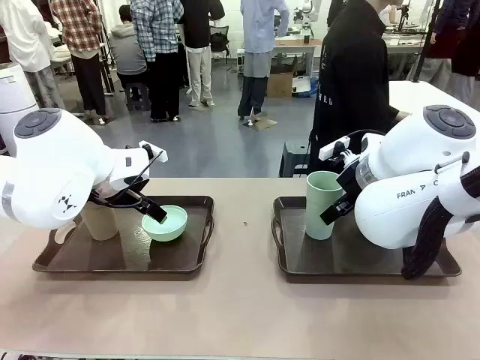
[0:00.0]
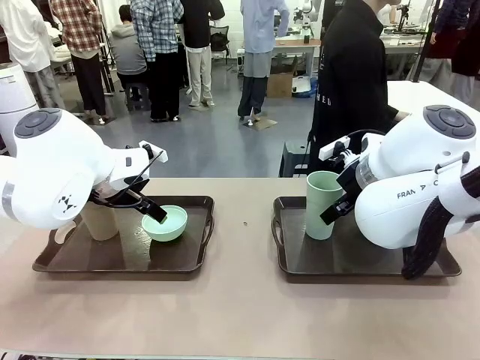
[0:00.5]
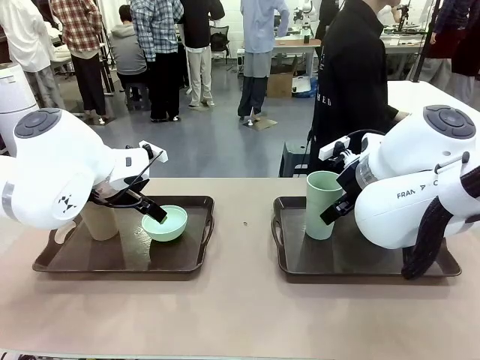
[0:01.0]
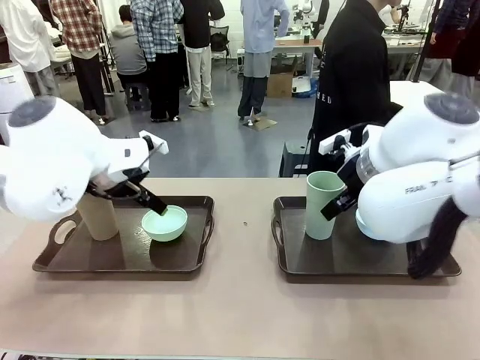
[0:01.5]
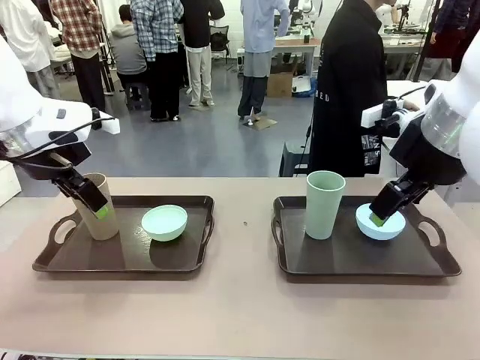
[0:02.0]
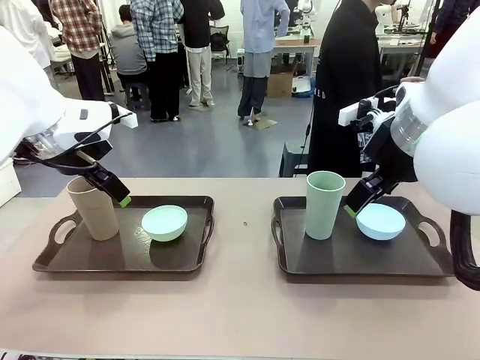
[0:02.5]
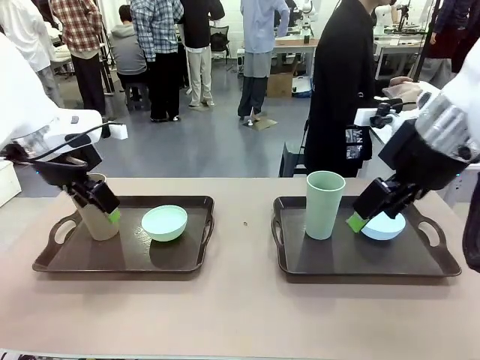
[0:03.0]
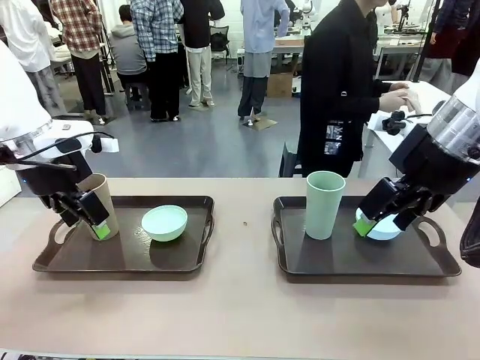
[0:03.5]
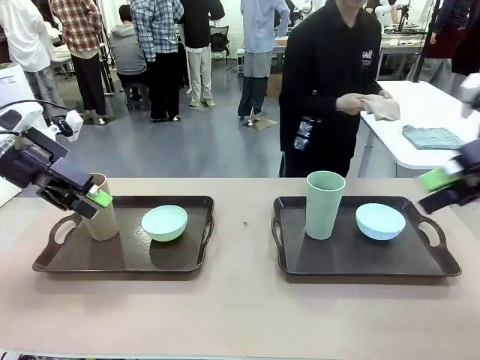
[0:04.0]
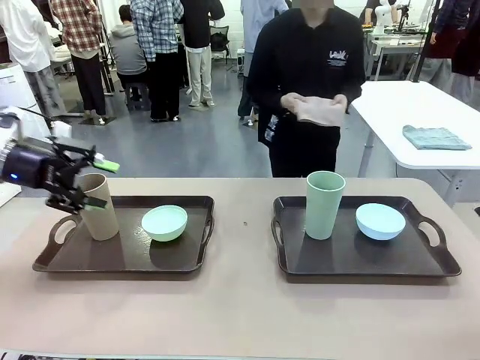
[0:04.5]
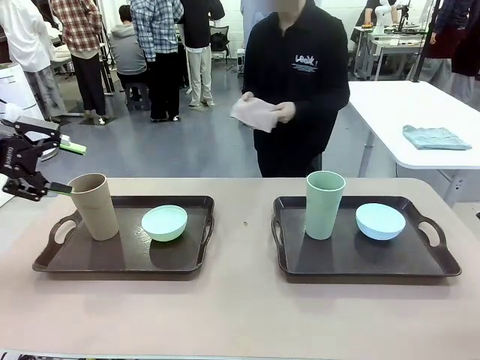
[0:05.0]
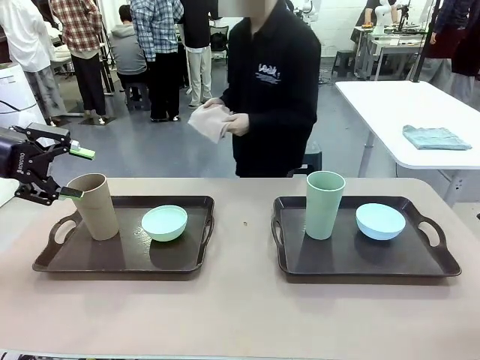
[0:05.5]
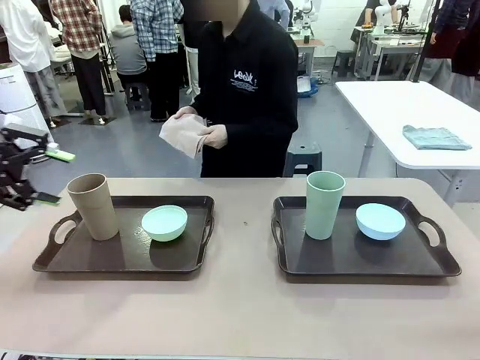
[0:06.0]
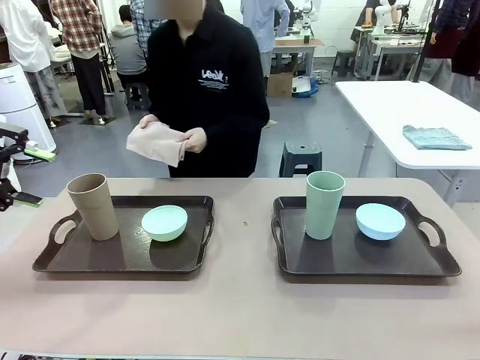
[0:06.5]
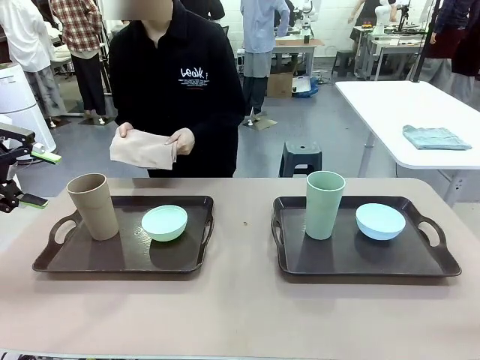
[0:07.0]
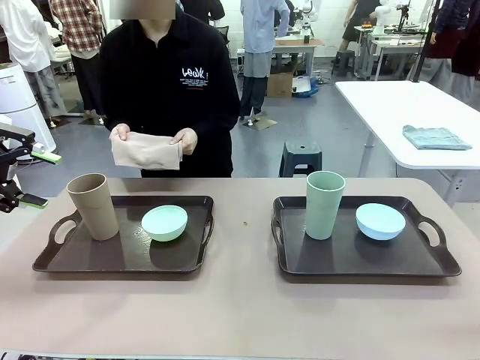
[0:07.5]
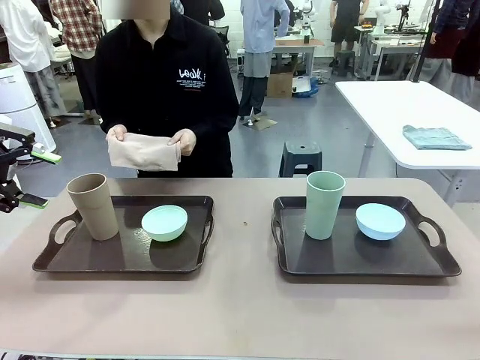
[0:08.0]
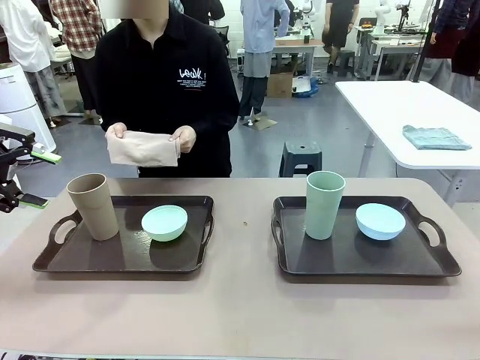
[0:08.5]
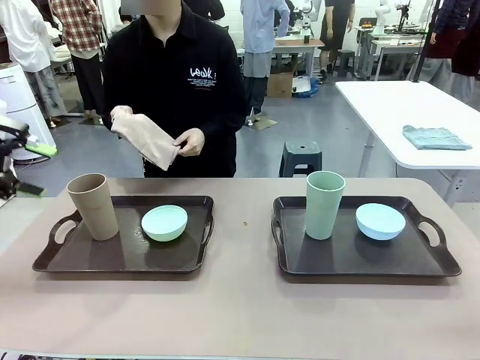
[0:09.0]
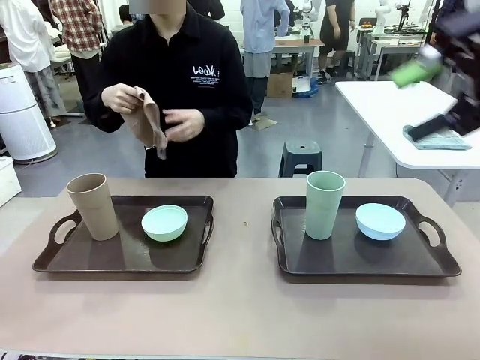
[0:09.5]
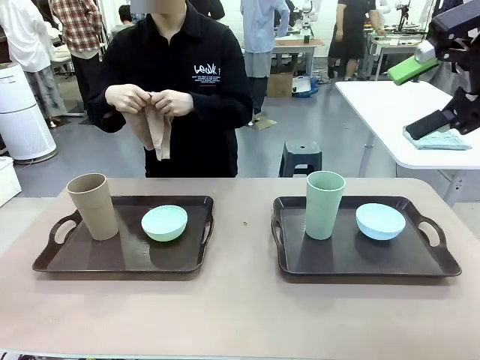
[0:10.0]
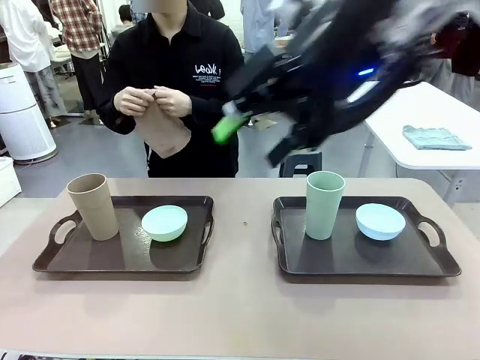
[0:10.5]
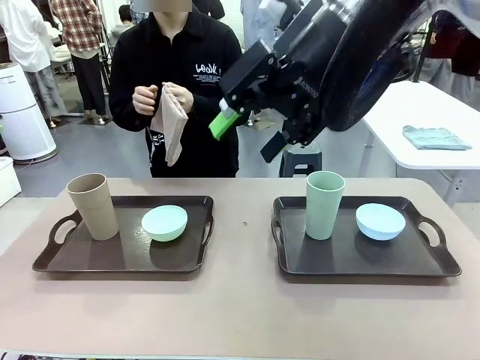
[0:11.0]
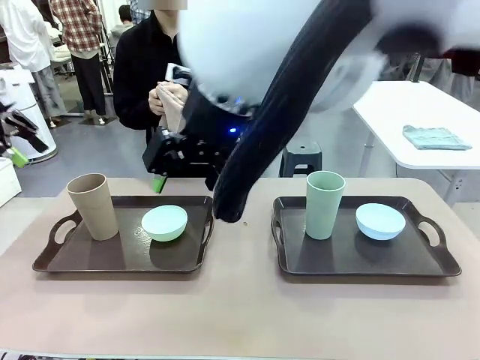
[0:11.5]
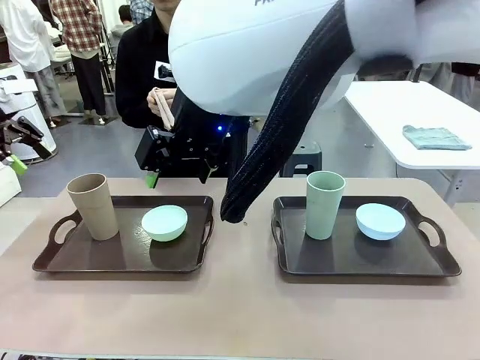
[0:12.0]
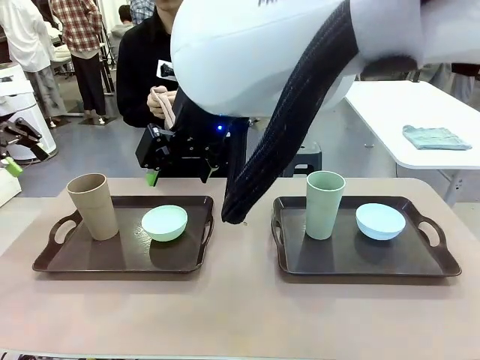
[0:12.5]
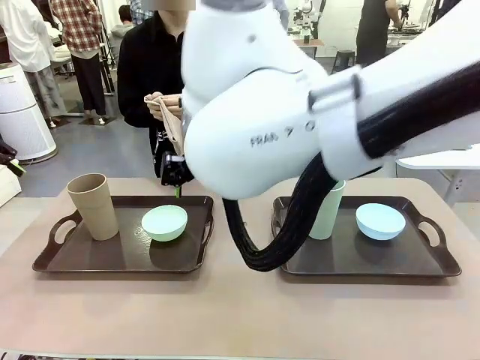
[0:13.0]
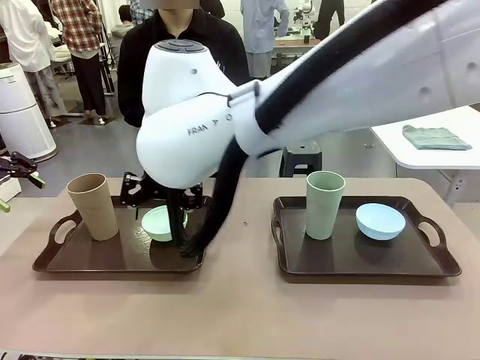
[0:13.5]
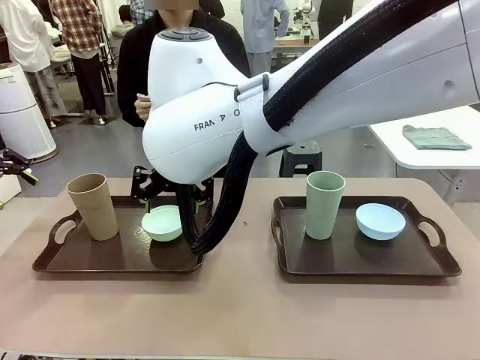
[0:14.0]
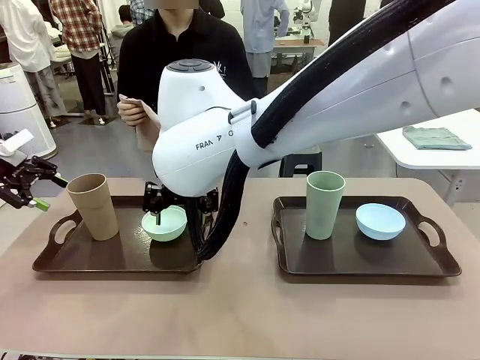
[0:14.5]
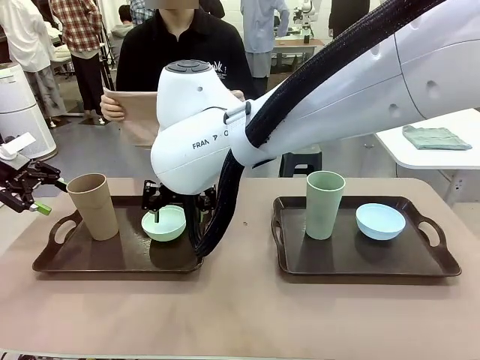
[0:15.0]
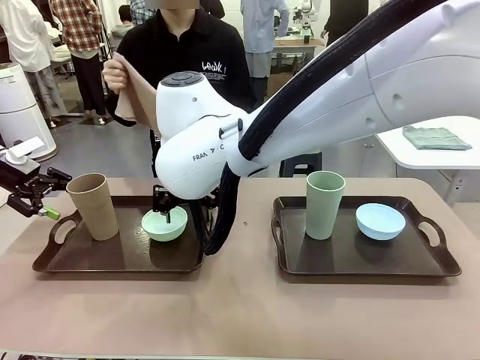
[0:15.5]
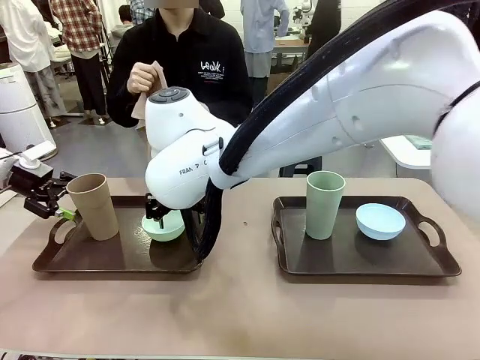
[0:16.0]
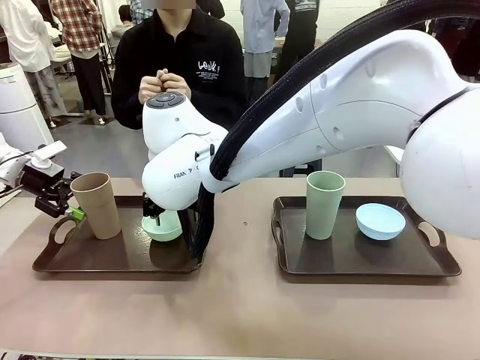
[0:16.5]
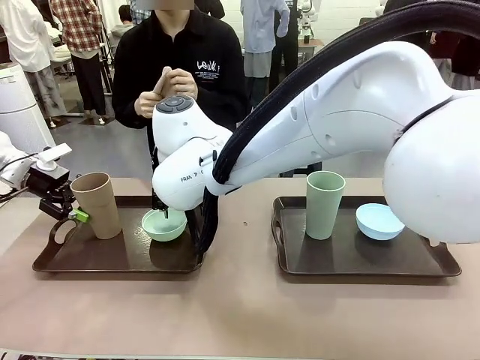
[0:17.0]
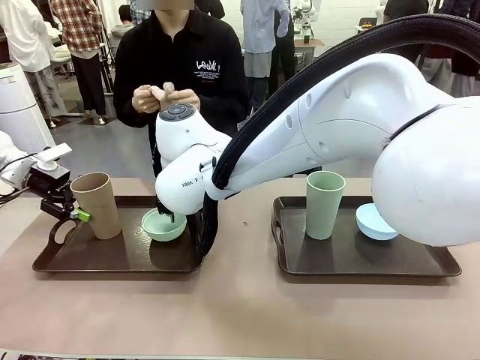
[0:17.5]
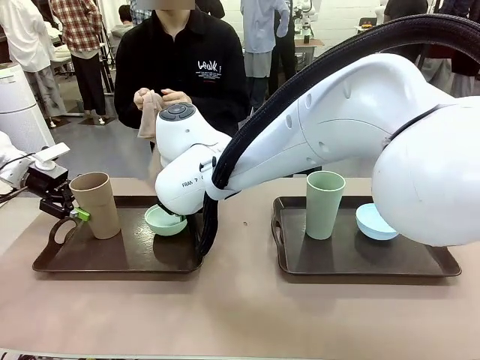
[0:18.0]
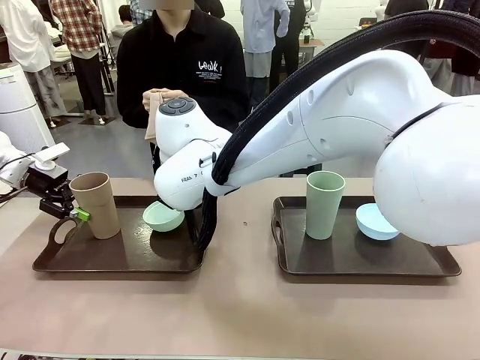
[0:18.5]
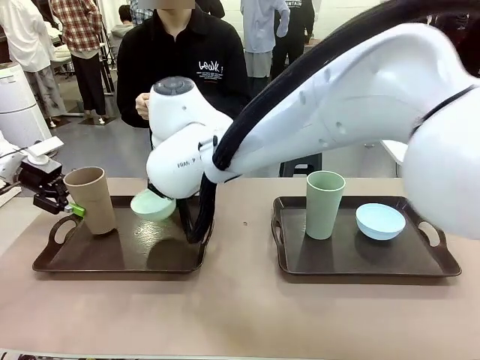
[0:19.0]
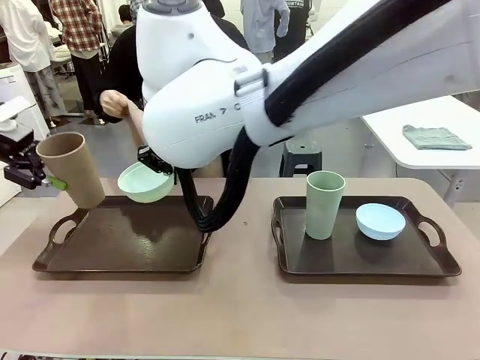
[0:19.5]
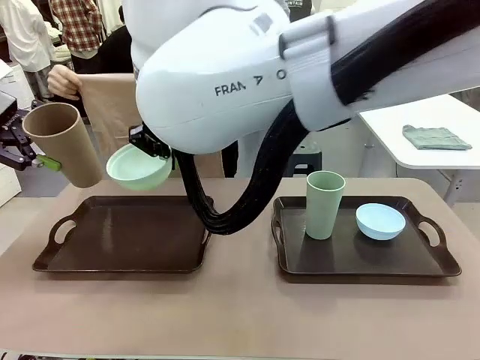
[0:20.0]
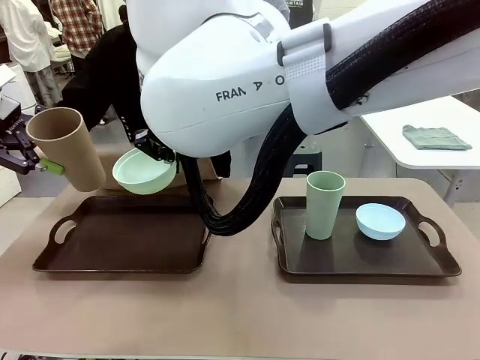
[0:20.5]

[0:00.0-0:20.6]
Robot: Pick up the Picnic Bowl and Reusable plastic cup from the Handle tray in front of the human's position and hold them in the air.
Person: The human picks up the top napkin from the stack on the human table and walks to the robot table to stand in front of one of the two trays. When the robot lifts the bowl and the cup, the human unfolds the napkin and lays the napkin flat on the tray.

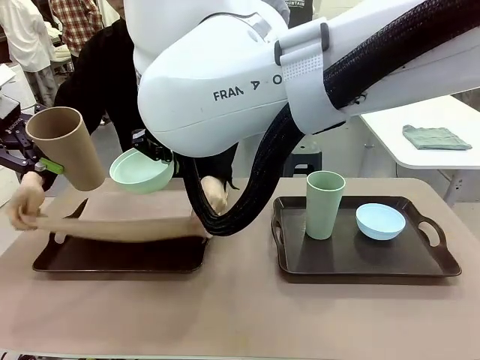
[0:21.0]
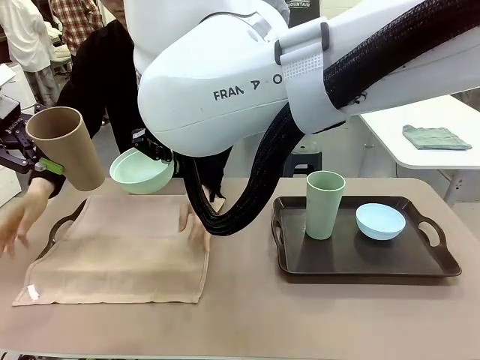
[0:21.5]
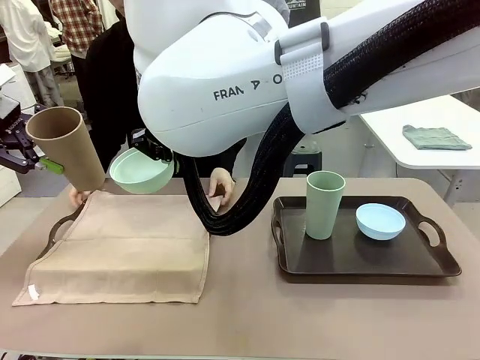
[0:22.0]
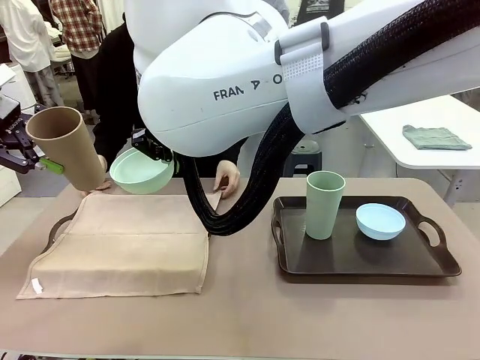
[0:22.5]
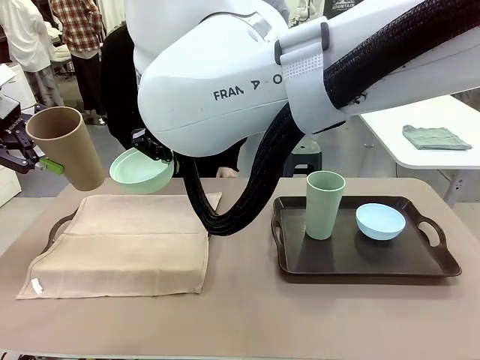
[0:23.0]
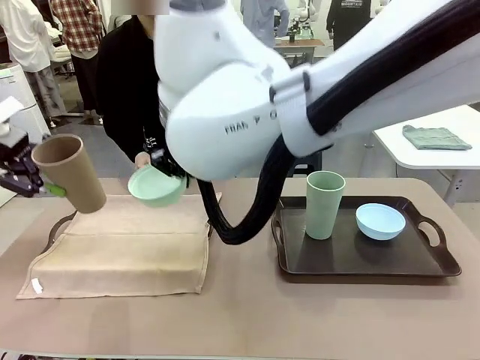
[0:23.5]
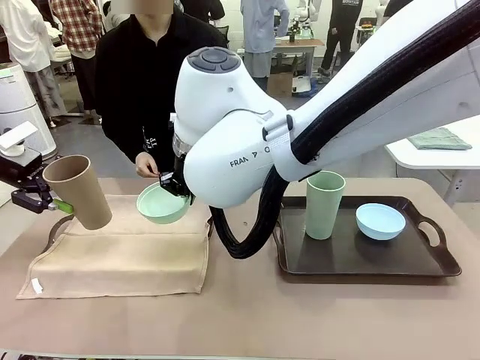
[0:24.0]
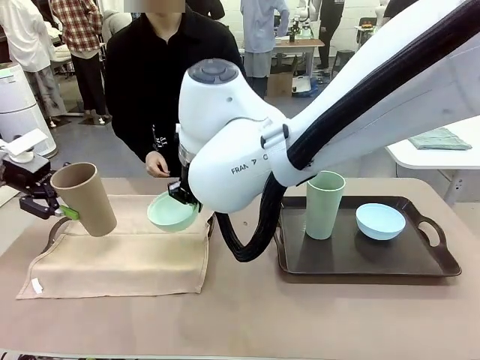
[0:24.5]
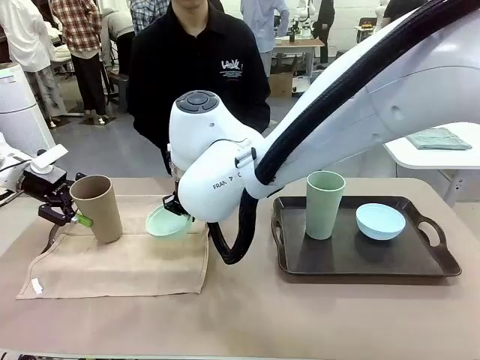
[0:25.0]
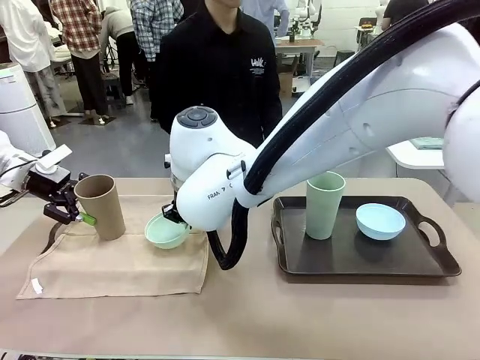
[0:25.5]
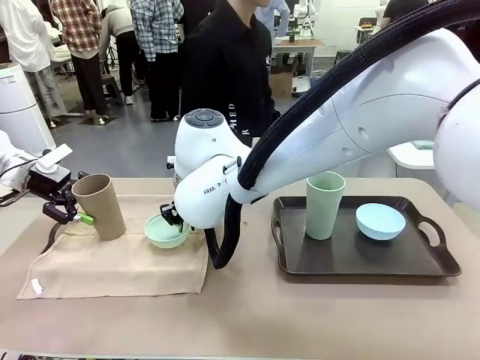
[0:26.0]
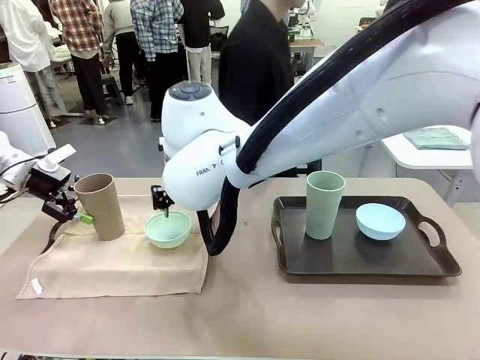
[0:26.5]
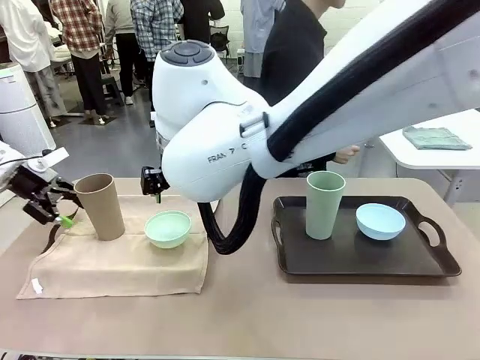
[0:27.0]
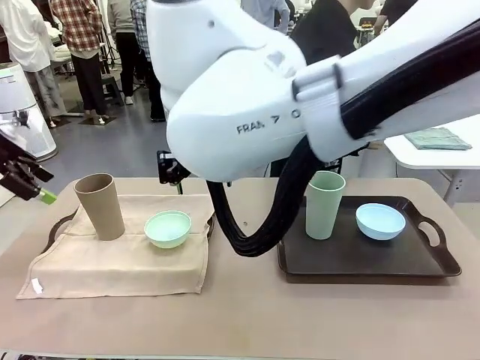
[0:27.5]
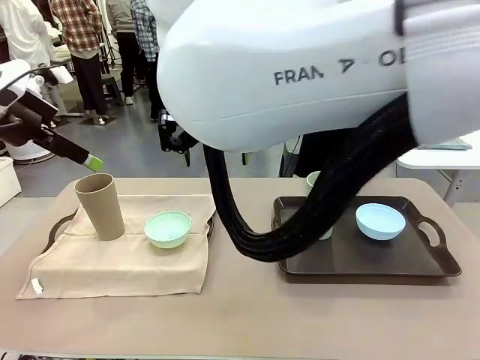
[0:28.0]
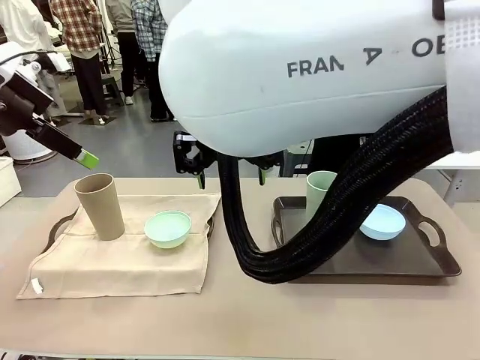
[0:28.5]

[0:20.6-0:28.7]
Robot: Place the Picnic Bowl and Reusable plastic cup back onto the Handle tray in front of the human's position.
